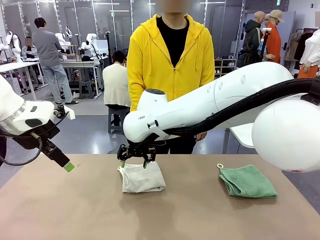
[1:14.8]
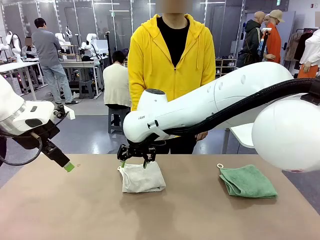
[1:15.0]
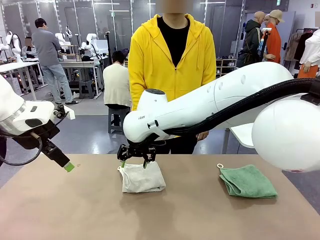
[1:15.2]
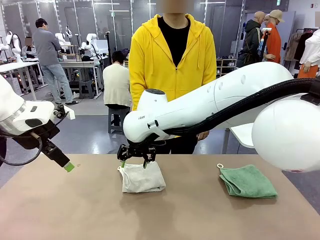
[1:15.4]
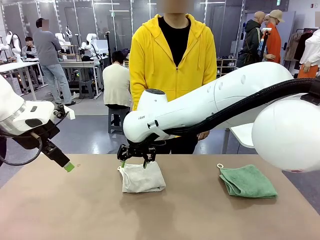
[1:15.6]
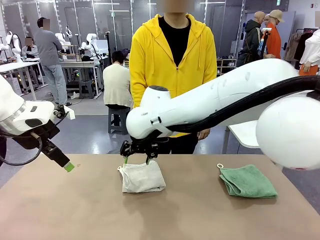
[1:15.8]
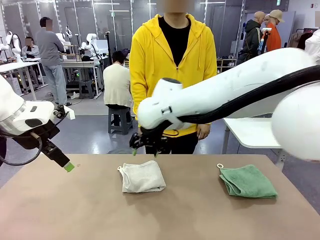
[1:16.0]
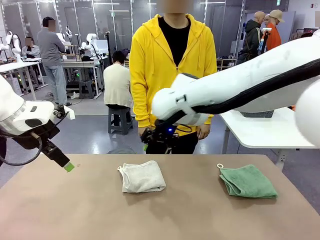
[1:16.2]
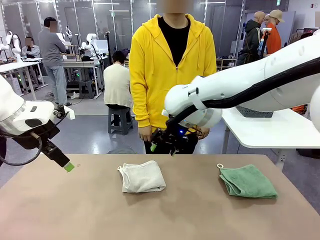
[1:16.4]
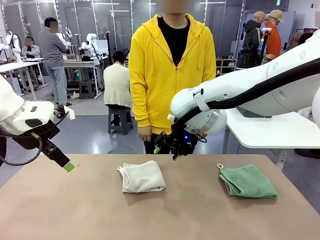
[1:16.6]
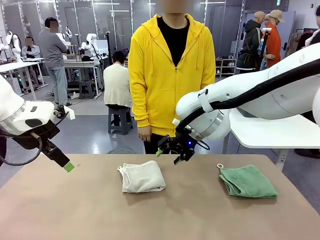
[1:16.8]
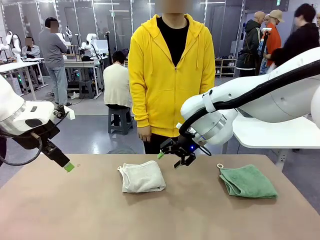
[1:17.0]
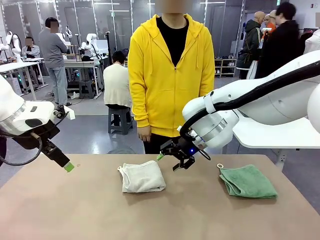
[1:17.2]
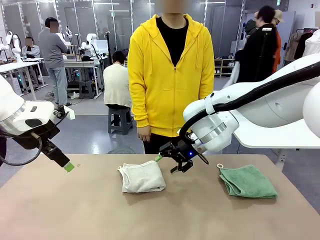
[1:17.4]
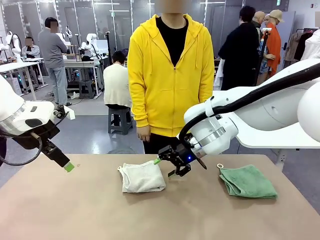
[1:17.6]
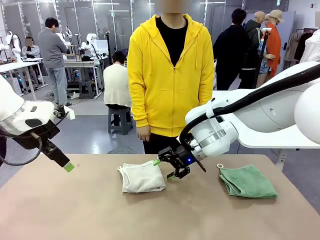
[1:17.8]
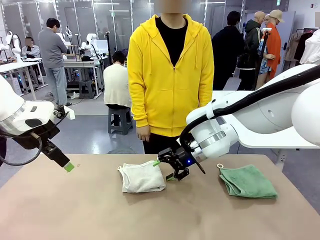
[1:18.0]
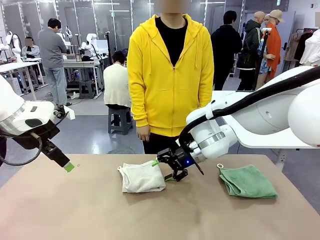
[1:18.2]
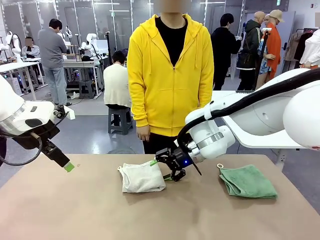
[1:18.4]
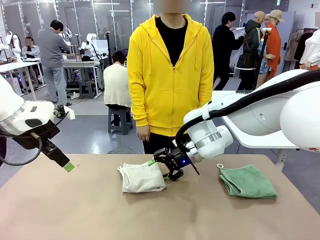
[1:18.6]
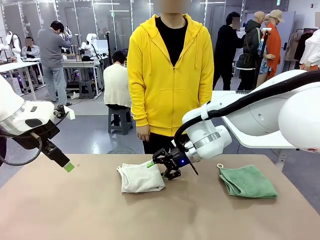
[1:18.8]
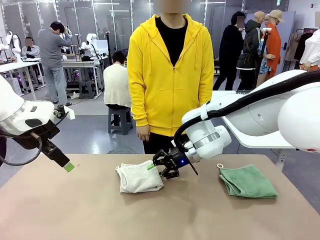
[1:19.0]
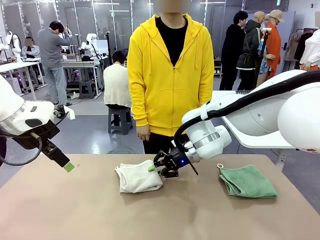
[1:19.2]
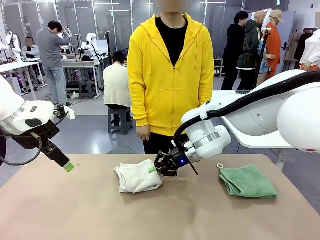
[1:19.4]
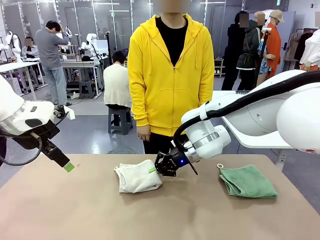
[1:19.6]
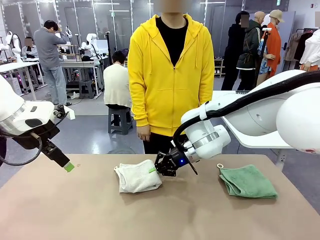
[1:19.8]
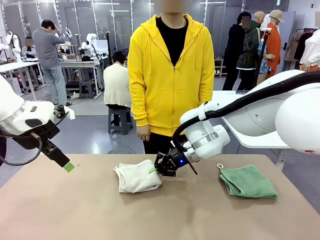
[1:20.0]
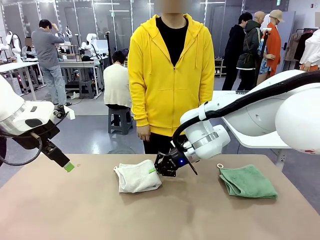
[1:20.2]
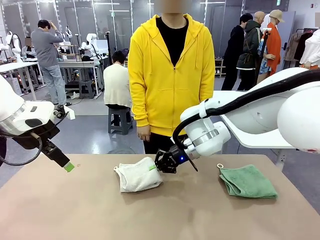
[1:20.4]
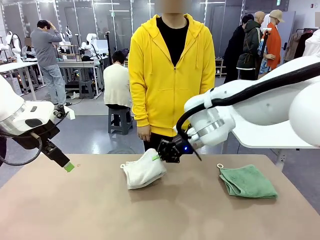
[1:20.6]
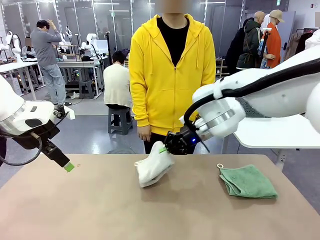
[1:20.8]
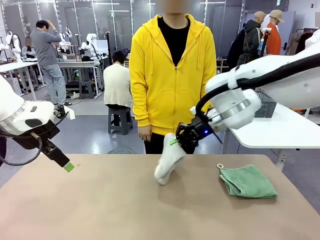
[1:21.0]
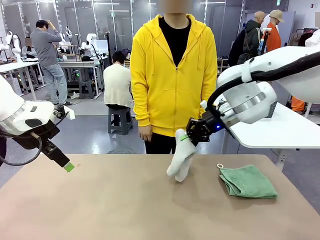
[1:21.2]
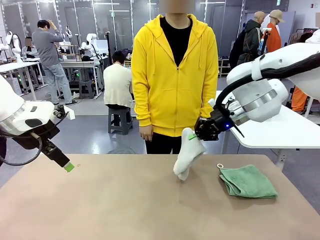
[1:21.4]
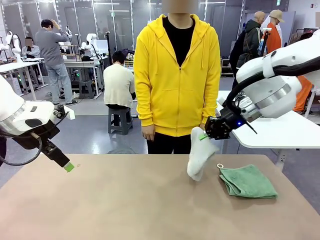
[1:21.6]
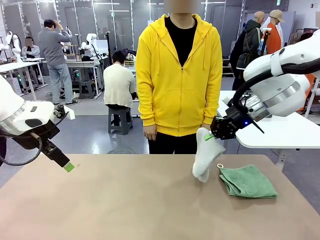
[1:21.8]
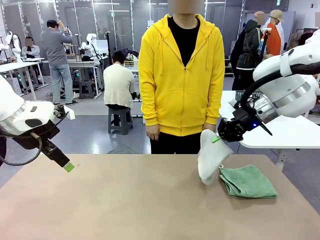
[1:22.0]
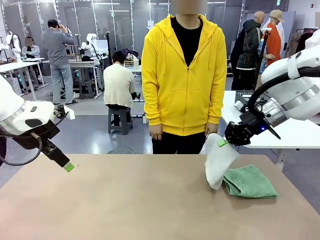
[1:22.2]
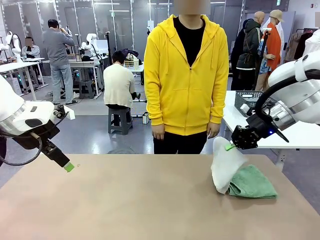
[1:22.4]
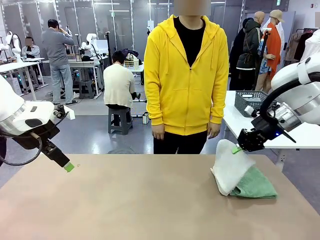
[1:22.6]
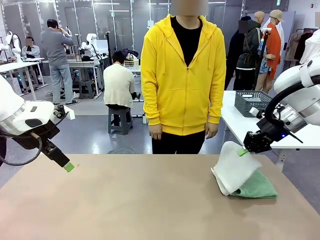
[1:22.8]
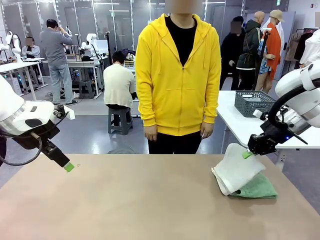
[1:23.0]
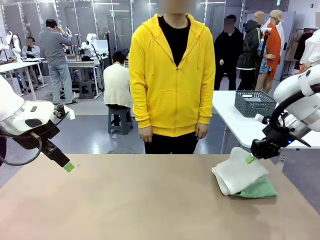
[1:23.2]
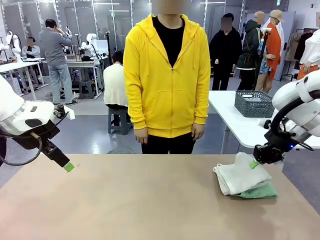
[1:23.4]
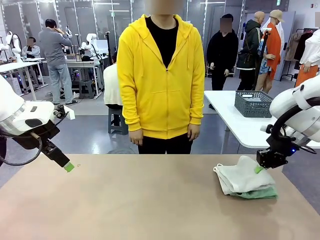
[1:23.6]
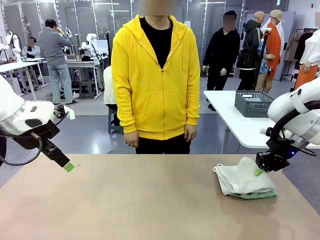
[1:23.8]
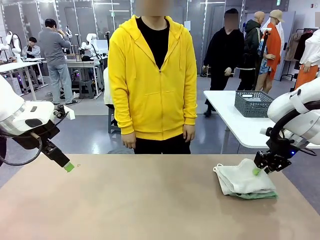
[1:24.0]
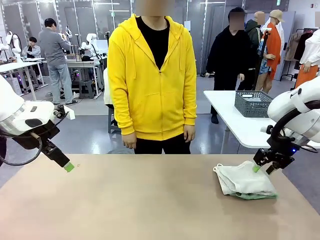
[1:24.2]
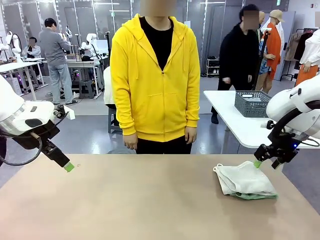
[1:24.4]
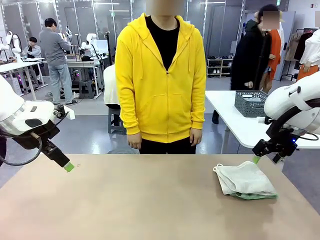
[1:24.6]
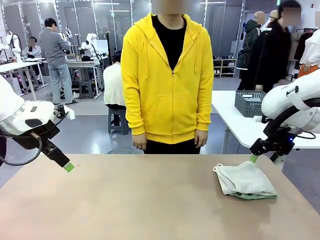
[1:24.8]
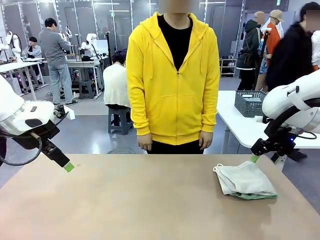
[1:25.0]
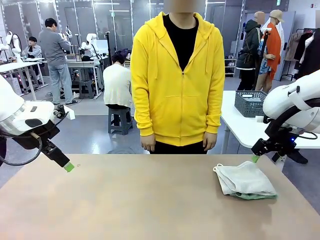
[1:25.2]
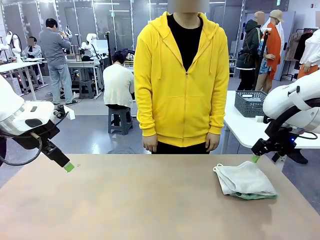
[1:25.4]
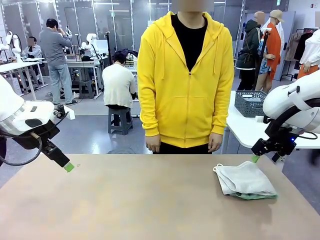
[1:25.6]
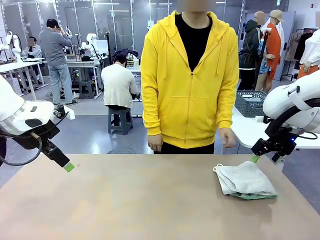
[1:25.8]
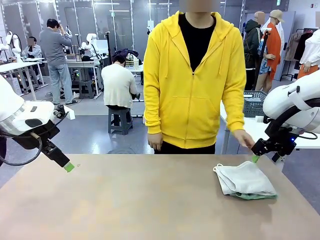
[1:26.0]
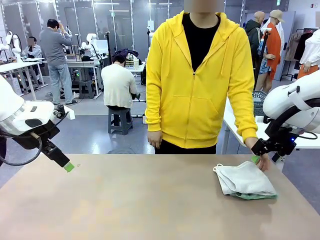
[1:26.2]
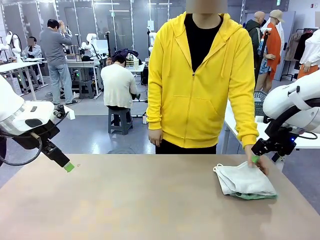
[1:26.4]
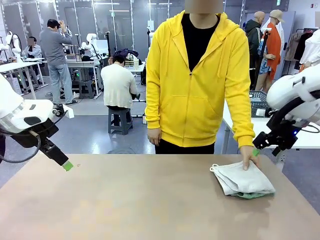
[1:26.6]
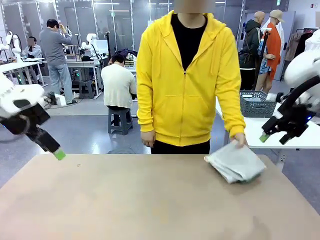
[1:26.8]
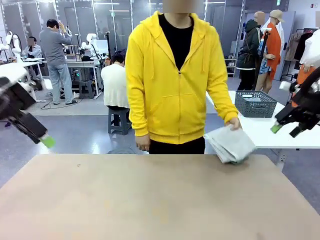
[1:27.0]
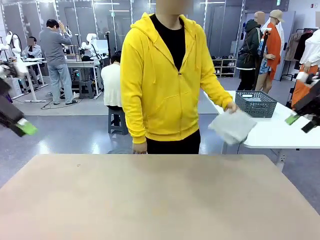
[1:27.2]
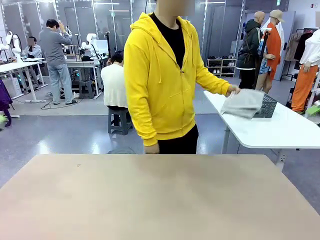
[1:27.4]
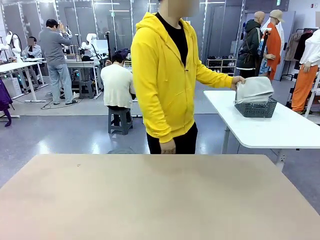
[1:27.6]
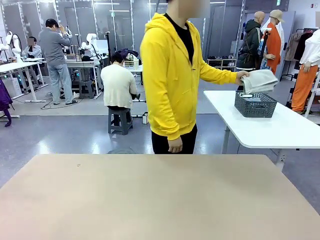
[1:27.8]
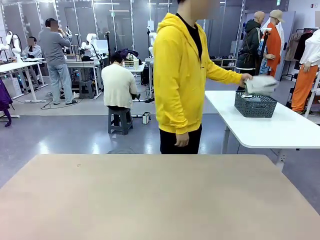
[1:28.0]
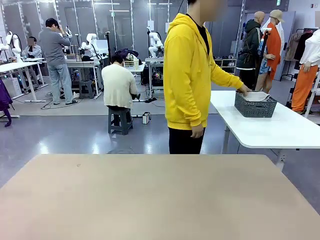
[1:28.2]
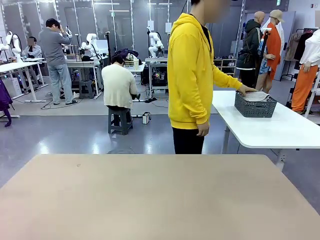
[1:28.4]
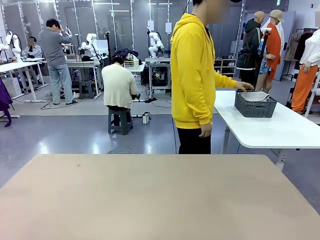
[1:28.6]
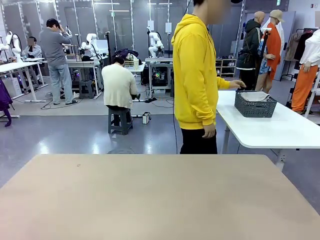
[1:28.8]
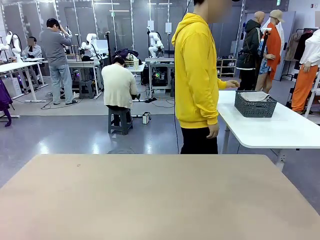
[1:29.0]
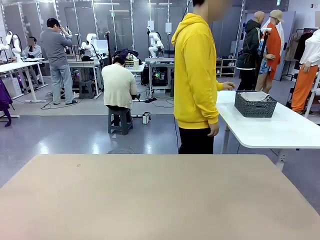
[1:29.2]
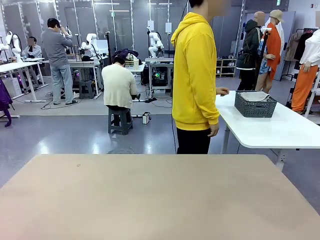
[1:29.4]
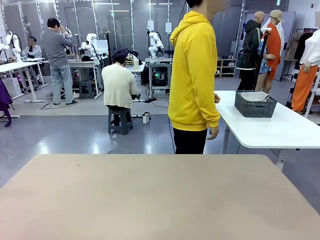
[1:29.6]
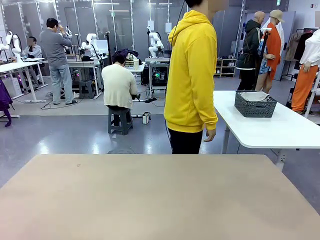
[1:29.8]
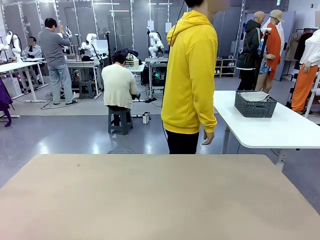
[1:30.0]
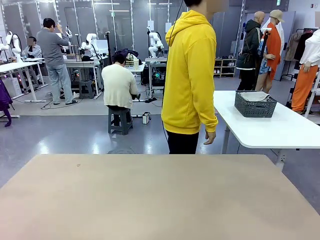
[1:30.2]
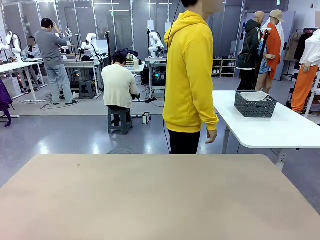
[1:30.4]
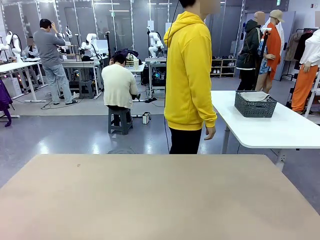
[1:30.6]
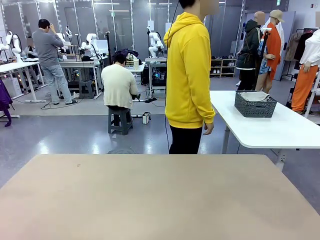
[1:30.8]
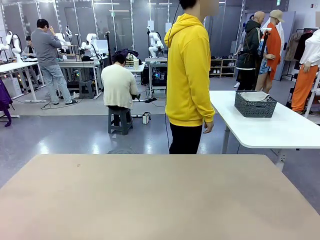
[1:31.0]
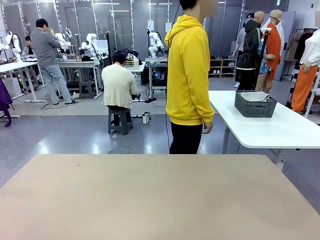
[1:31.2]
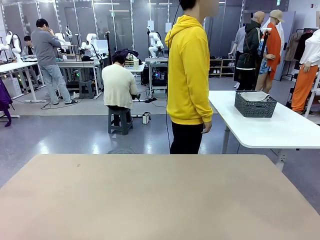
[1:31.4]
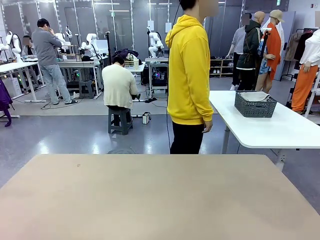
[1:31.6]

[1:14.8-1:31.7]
Task: Fold the towels and place them in the basket.
Robot: Stack the folded Towel with hook on the right side of the table.
Person: Pick up the stack of towels from the robot table and place it into the basket.

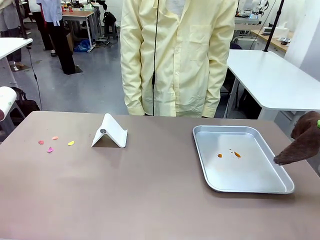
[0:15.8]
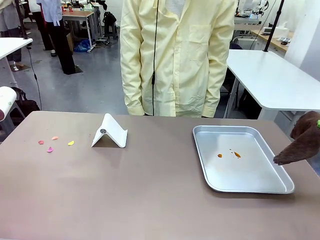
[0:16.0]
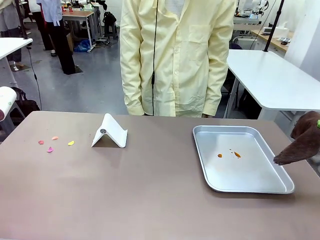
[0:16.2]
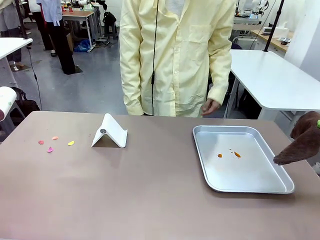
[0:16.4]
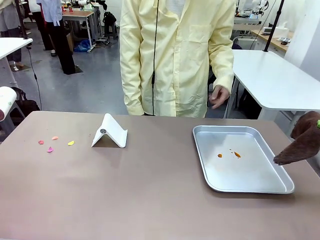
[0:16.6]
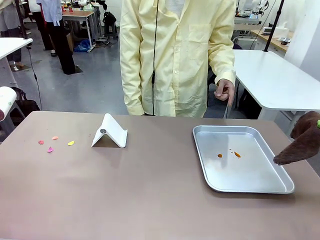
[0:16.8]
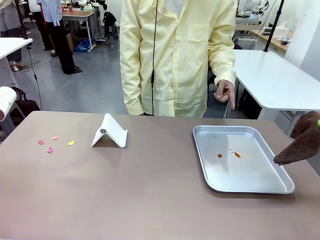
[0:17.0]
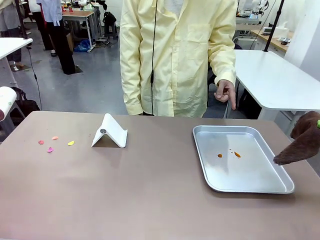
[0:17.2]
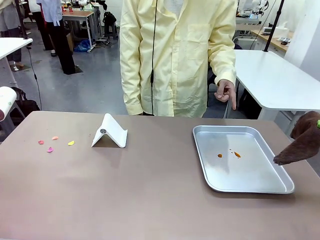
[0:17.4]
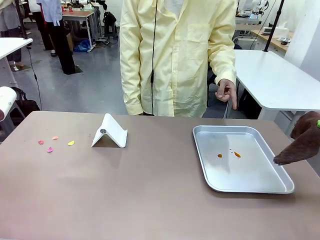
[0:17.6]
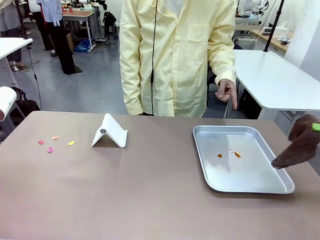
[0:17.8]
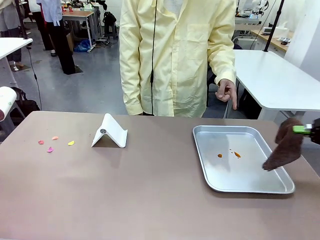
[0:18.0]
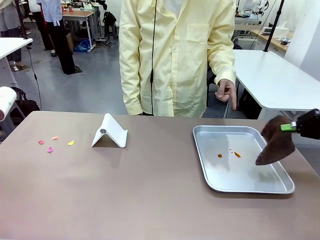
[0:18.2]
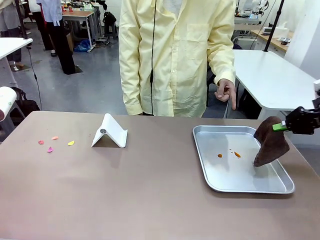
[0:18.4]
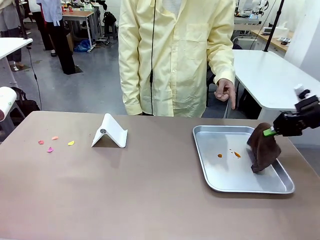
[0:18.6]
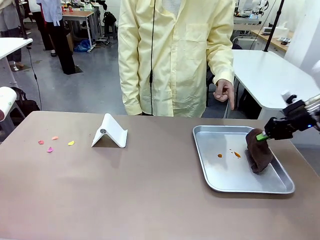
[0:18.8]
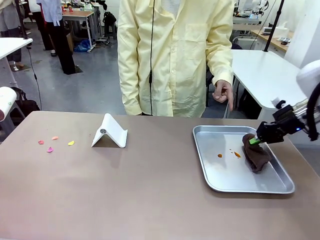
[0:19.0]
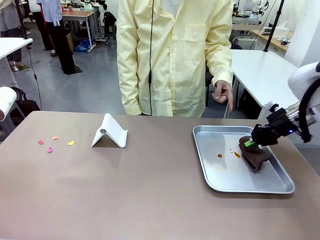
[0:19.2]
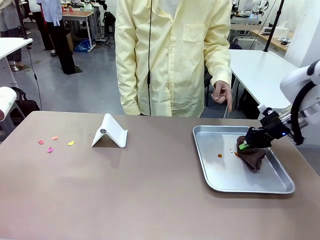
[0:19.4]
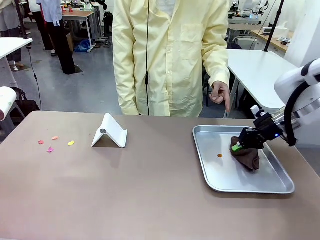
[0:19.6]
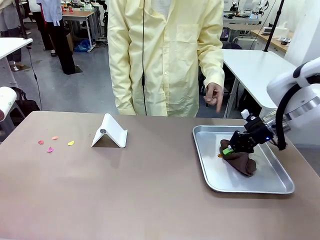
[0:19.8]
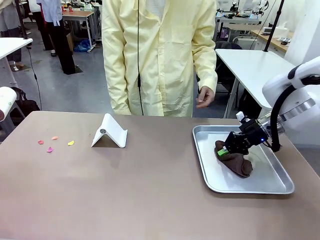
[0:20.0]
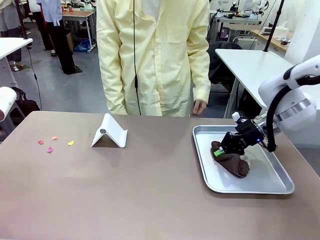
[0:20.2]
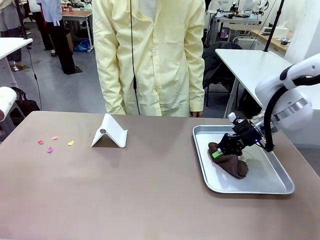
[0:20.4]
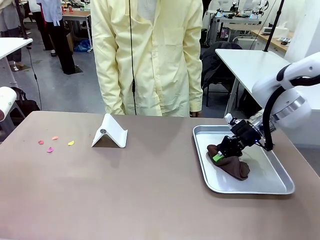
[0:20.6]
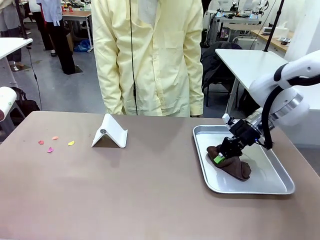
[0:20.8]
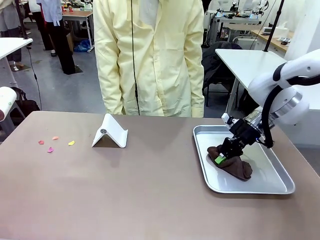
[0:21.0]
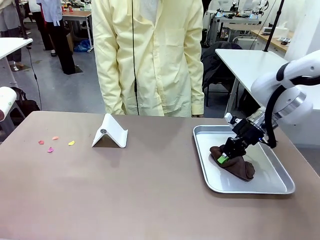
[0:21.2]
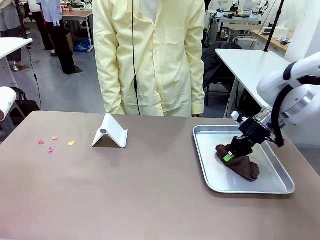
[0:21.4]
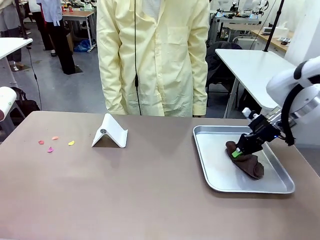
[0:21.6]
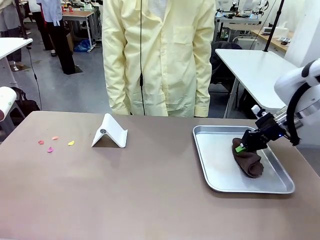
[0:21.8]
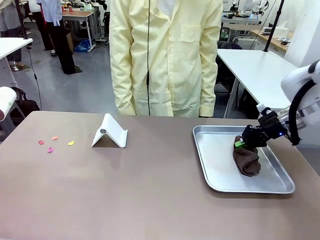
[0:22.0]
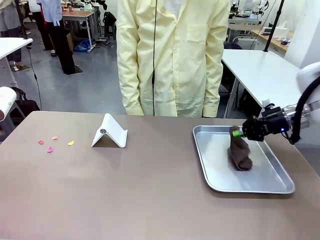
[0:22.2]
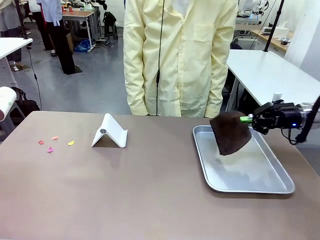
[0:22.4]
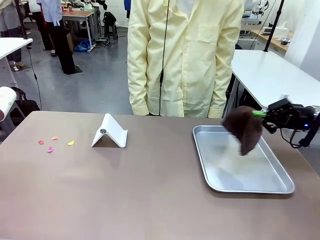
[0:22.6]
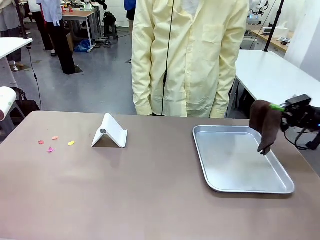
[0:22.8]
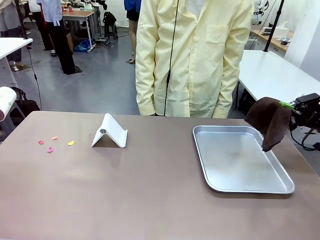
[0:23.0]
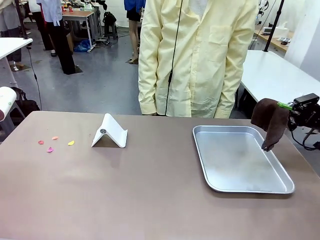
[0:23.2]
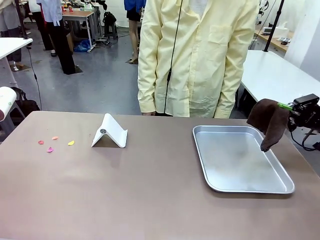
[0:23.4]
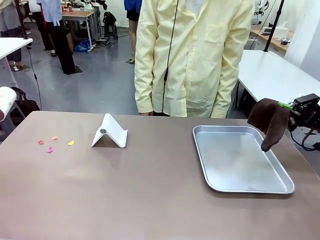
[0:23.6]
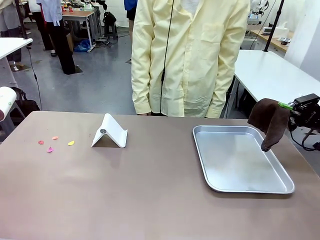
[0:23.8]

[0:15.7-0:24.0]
Task: Clean the surface of the table.
Robot: If a person points to the right, clean the right side of the table with your right hand, and if they point to the left, clean the left side with your left hand.
